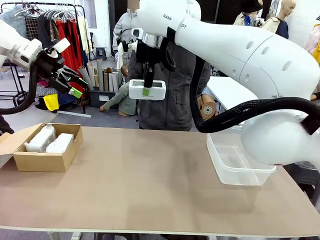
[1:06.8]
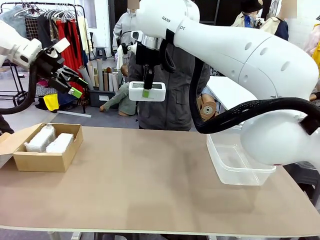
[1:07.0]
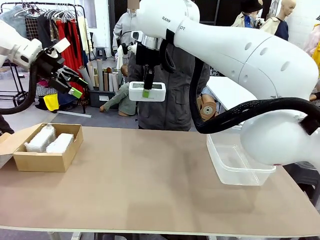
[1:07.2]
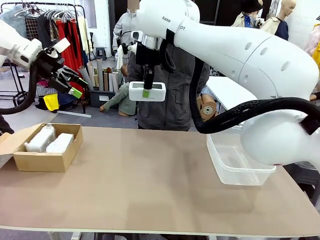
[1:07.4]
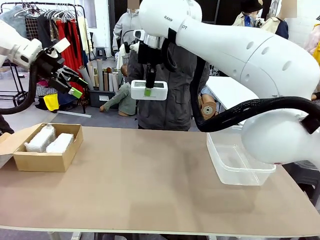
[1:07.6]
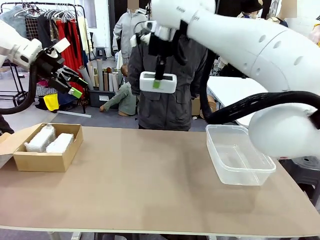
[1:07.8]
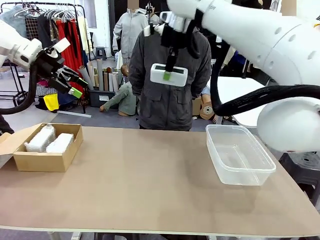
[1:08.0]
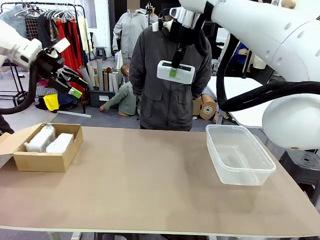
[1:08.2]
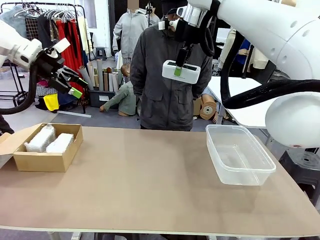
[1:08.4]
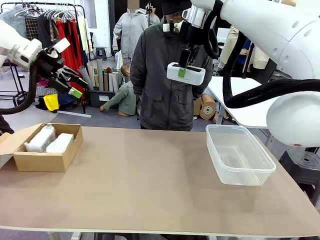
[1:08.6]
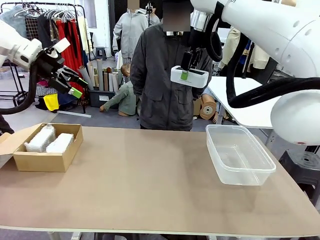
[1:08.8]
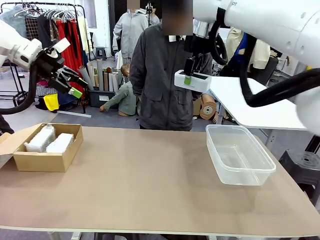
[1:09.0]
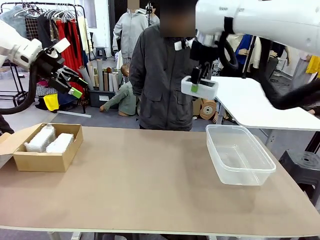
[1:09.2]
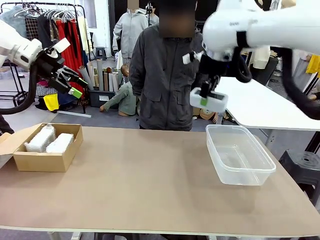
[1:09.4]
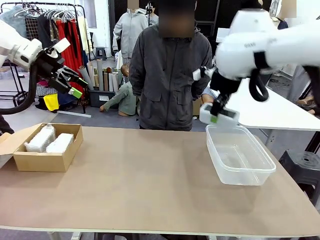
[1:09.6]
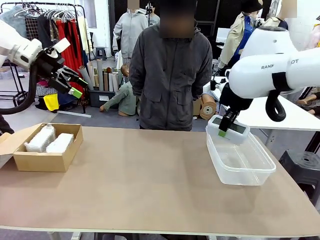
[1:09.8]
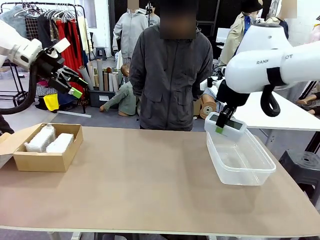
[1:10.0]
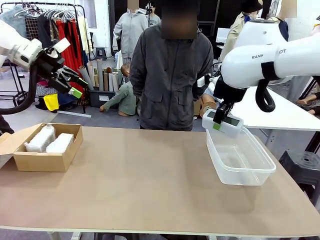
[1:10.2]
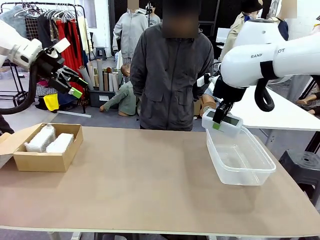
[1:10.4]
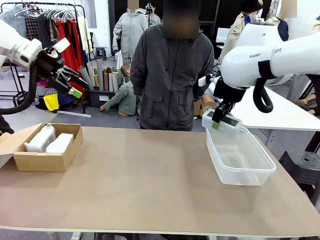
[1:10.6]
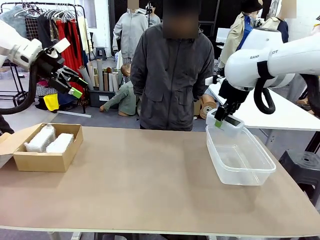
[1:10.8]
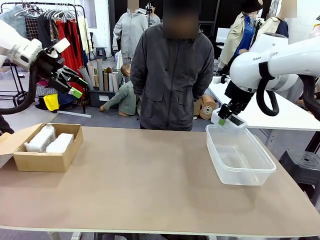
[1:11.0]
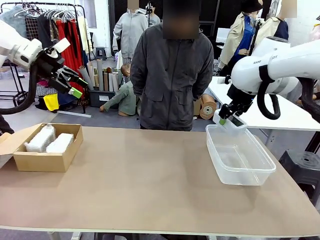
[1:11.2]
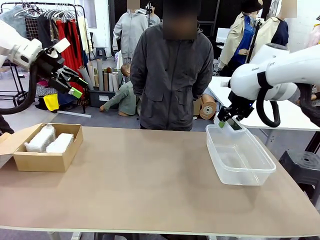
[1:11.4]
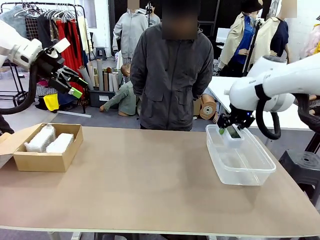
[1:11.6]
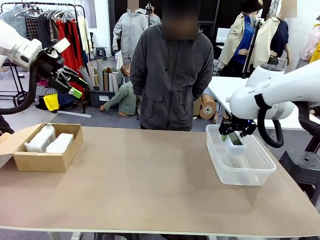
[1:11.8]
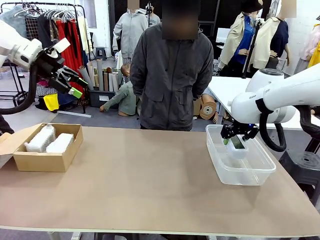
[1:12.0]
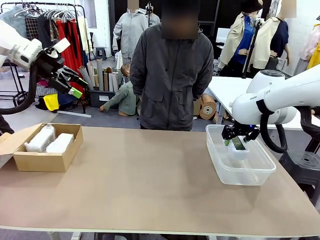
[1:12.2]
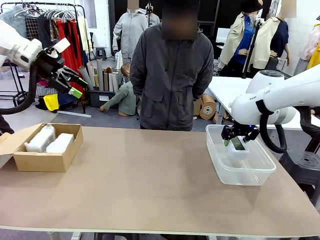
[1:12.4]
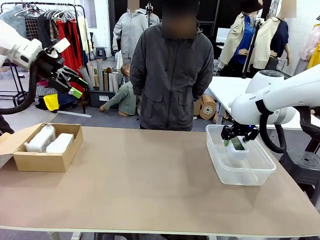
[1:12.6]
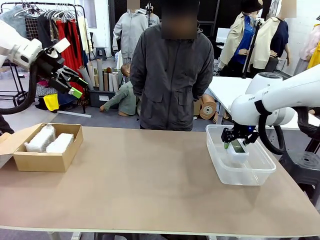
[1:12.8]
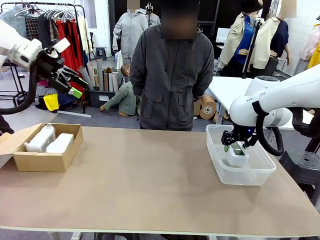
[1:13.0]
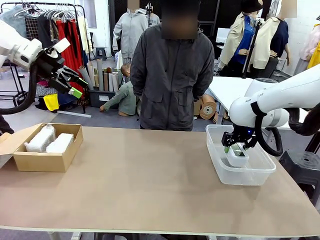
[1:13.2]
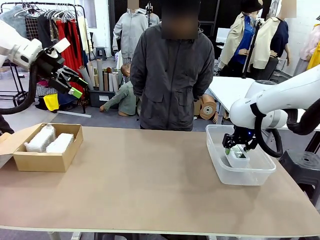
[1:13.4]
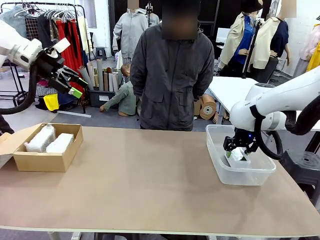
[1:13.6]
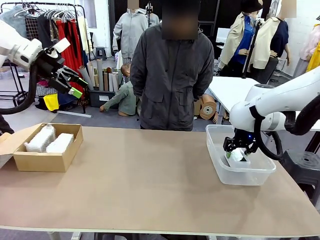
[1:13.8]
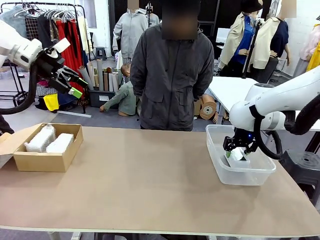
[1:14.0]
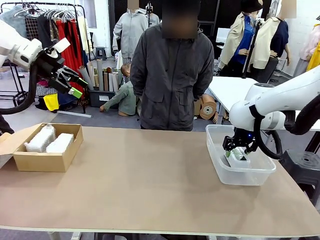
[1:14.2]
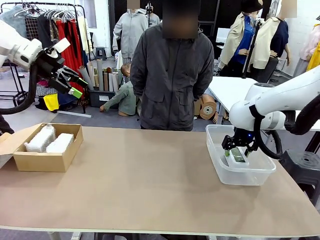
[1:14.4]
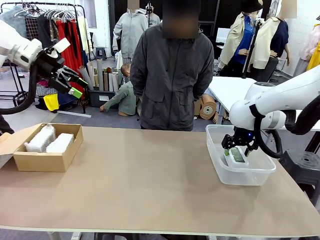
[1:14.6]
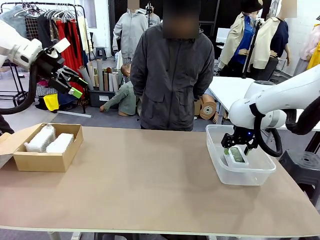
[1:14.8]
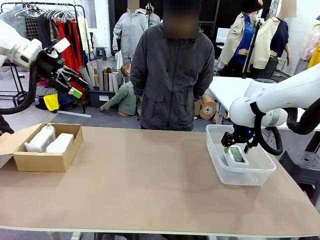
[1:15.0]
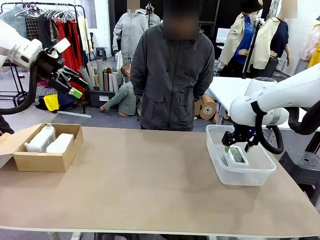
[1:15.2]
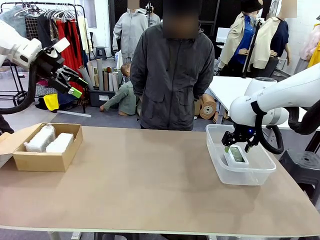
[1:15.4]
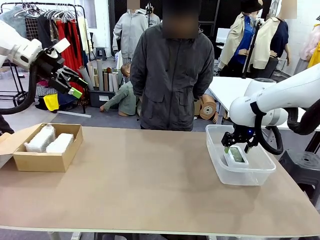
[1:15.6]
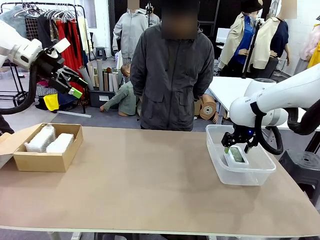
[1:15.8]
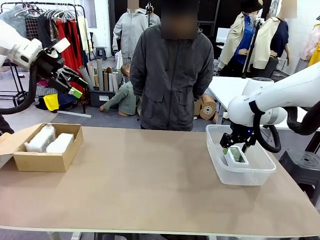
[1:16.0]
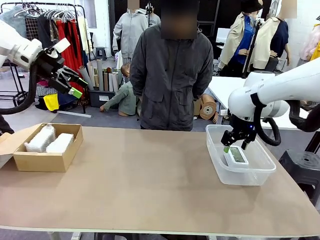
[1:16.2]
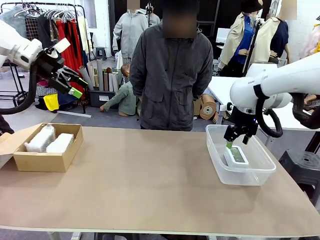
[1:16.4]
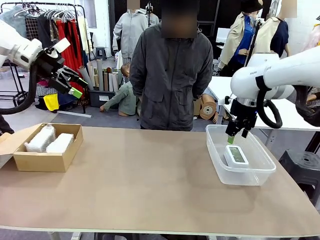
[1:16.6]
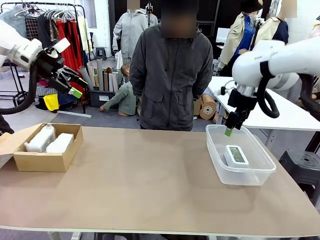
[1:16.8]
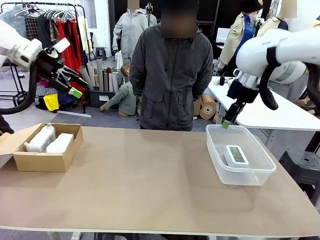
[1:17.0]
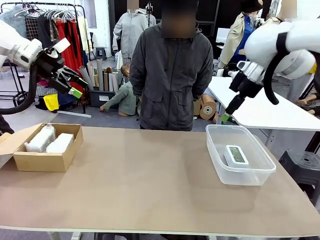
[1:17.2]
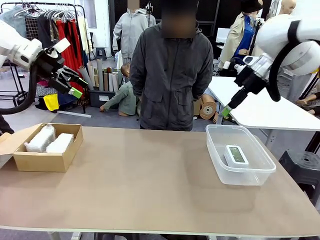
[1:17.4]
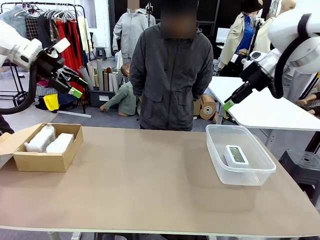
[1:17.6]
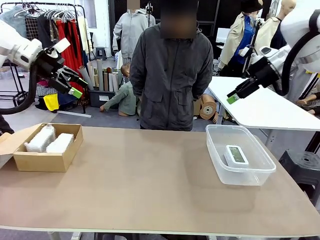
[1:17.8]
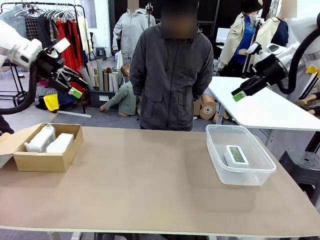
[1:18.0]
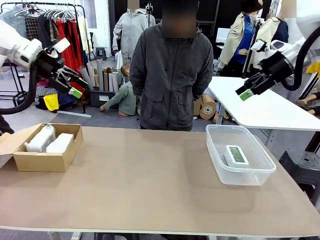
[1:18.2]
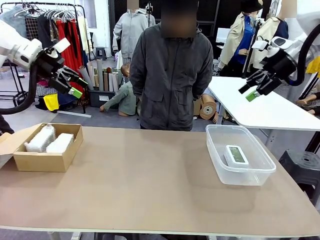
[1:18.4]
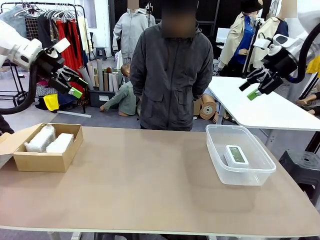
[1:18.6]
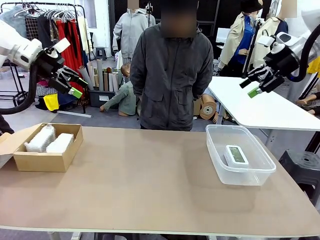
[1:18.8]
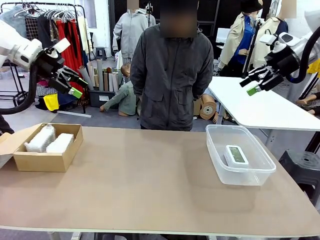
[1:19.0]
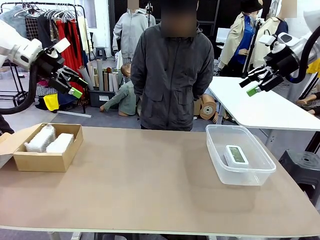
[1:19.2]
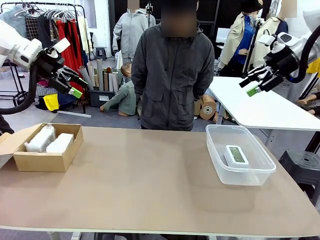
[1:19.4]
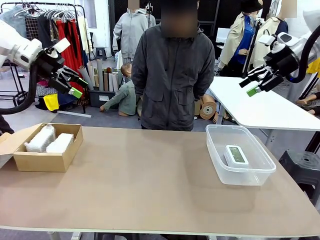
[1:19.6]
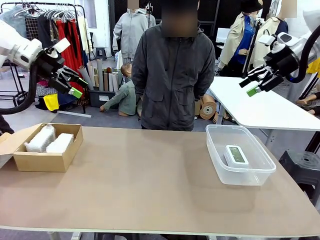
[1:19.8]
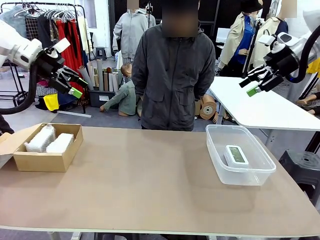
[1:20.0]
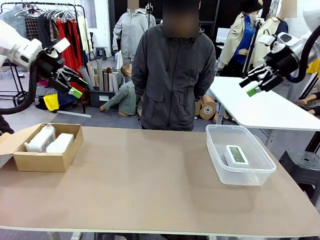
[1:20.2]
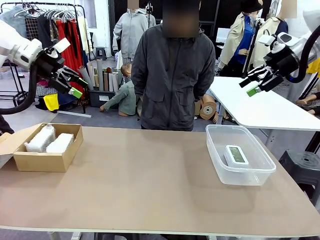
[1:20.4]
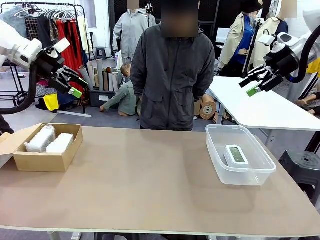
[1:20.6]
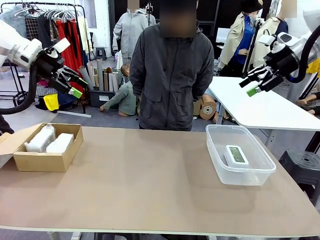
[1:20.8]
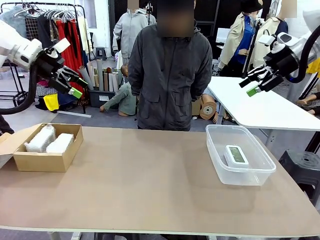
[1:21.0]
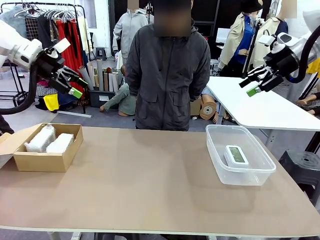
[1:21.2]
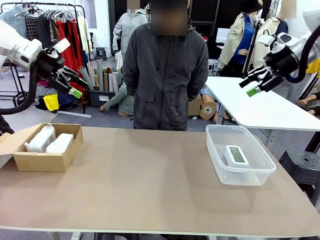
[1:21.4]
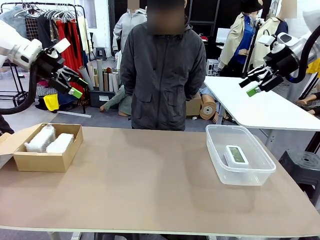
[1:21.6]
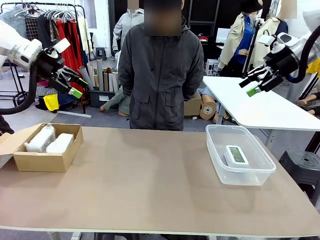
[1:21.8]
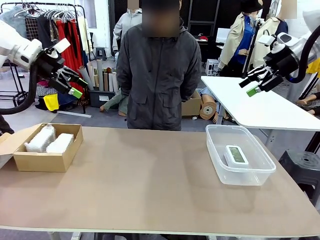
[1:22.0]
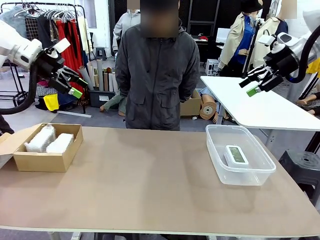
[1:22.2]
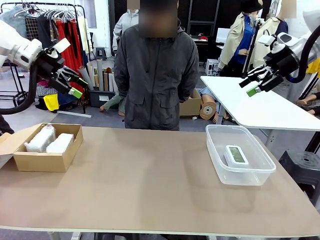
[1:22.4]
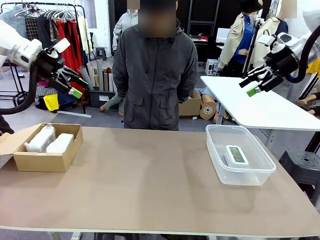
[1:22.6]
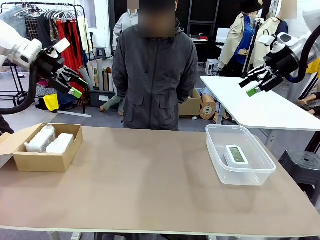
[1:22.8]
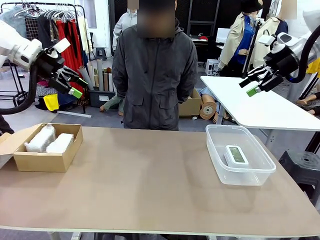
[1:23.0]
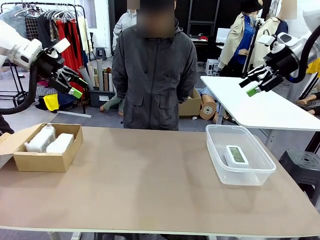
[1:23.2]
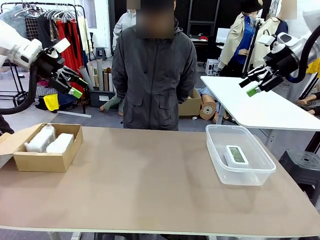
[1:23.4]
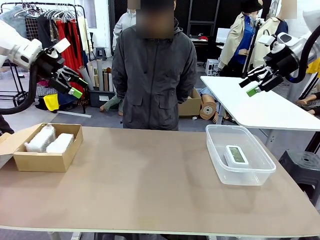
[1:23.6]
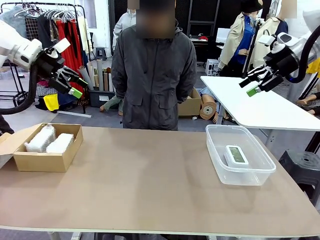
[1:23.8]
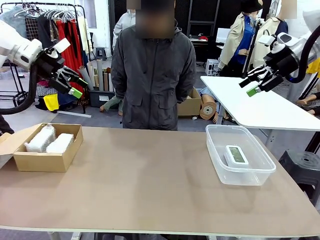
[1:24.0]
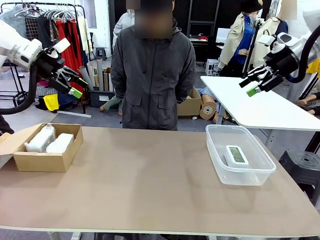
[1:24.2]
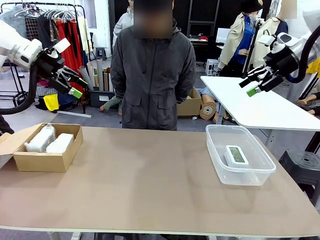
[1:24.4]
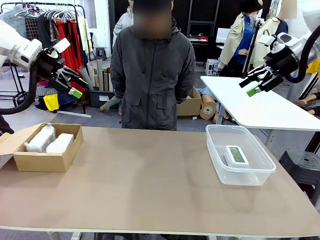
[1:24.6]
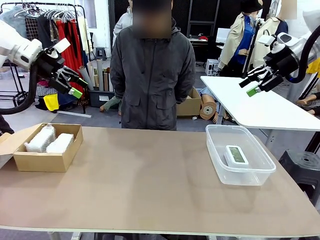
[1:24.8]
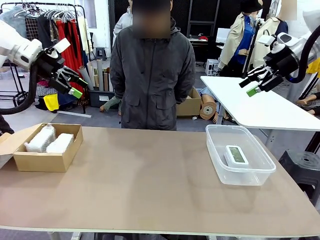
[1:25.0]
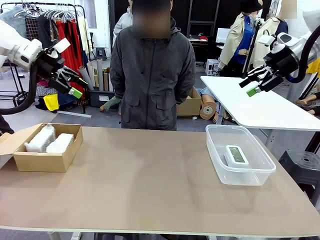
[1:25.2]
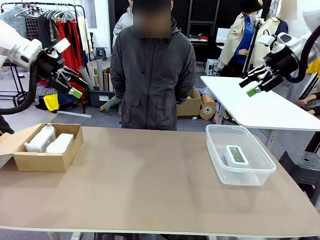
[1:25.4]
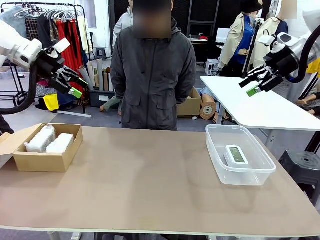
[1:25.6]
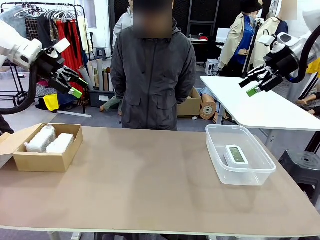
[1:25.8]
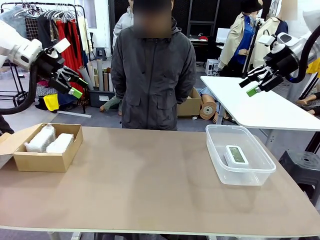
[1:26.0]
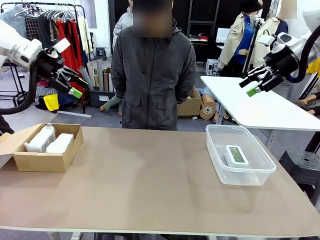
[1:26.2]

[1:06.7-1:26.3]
Task: Separate and place wrapped and unwrapped clocks.
Robot: If the picked Digital clock is wrapped, place it in the Package Box ; if not, place it in the Organizing box.
